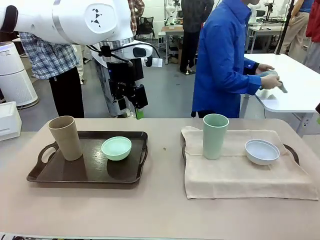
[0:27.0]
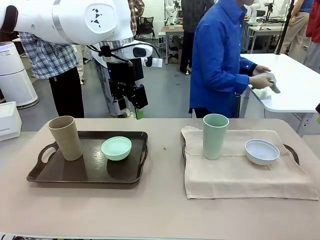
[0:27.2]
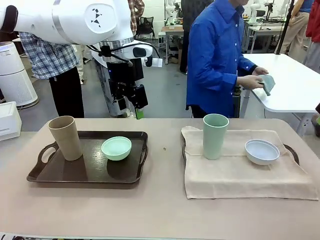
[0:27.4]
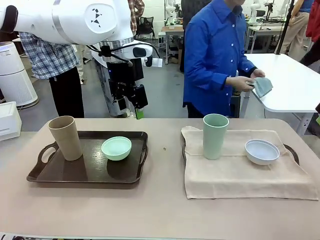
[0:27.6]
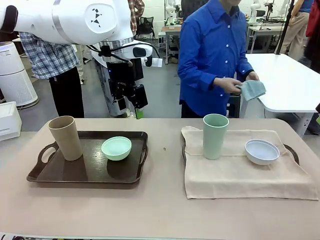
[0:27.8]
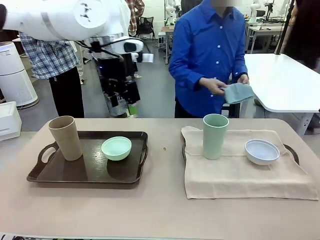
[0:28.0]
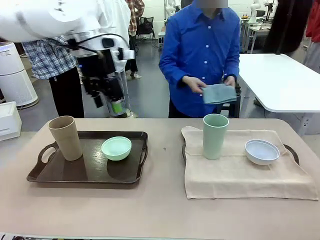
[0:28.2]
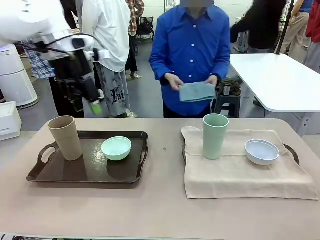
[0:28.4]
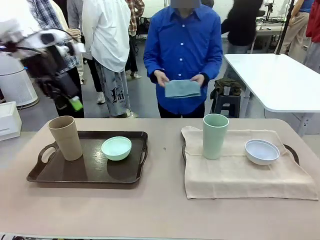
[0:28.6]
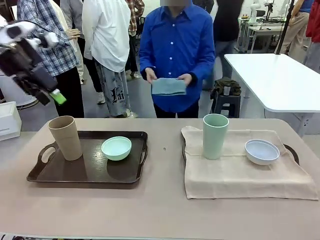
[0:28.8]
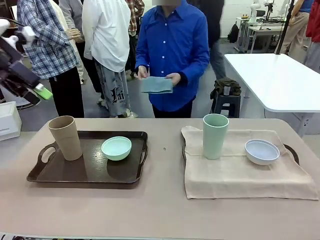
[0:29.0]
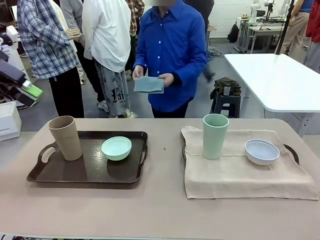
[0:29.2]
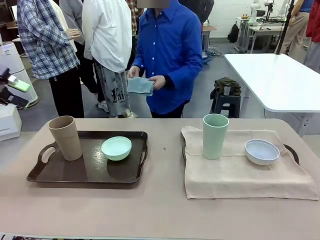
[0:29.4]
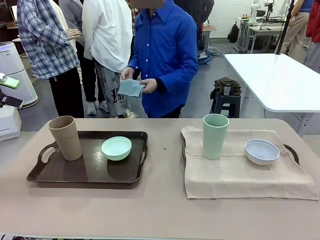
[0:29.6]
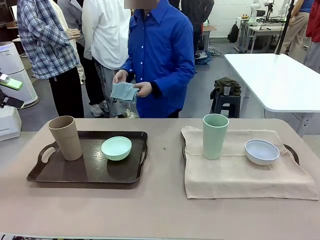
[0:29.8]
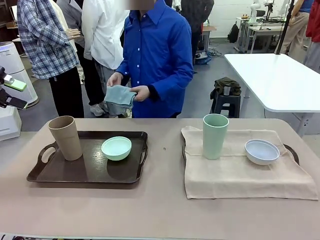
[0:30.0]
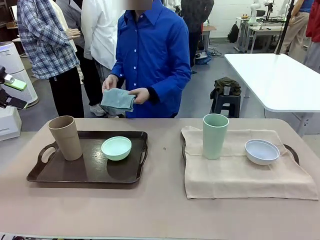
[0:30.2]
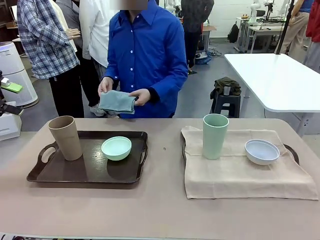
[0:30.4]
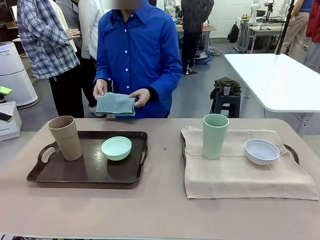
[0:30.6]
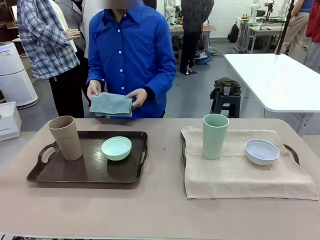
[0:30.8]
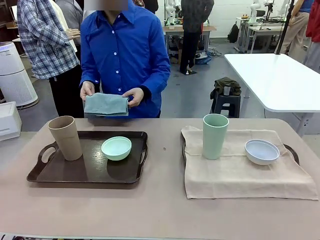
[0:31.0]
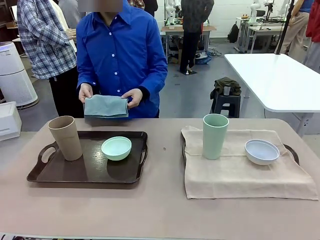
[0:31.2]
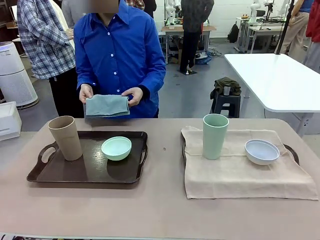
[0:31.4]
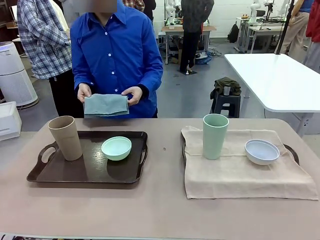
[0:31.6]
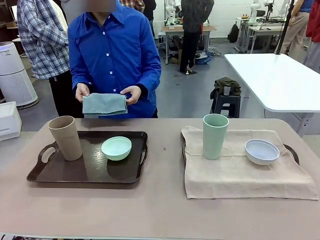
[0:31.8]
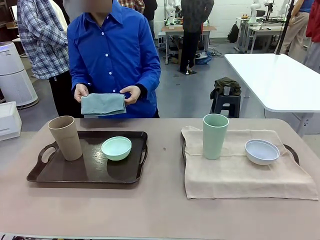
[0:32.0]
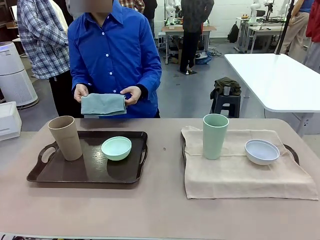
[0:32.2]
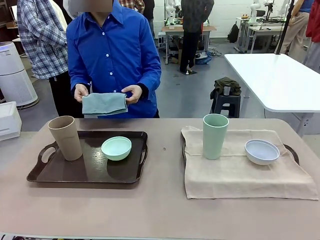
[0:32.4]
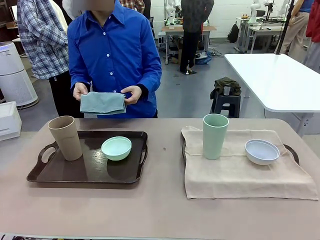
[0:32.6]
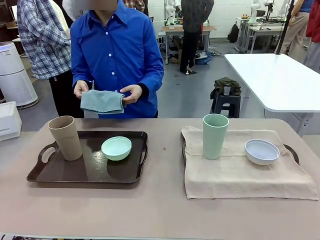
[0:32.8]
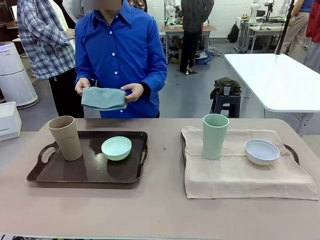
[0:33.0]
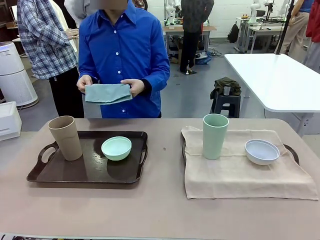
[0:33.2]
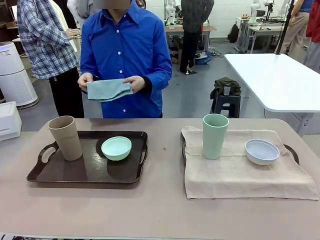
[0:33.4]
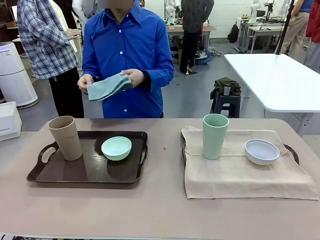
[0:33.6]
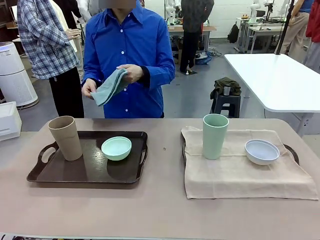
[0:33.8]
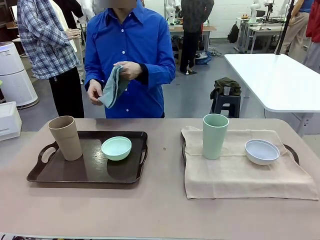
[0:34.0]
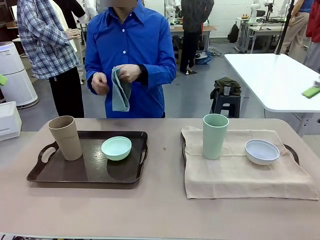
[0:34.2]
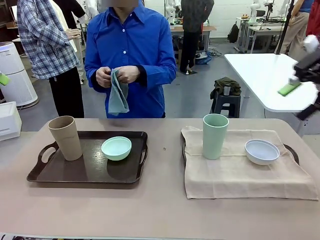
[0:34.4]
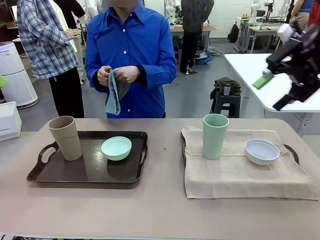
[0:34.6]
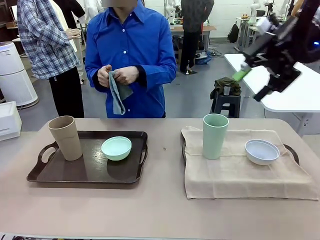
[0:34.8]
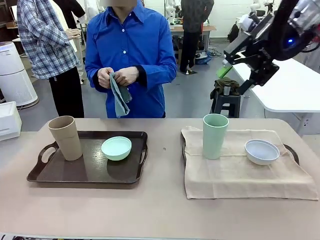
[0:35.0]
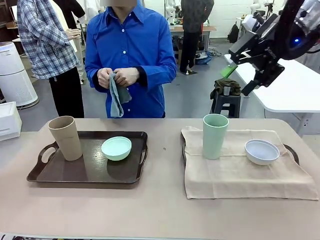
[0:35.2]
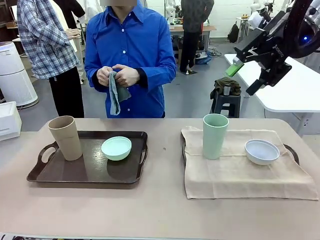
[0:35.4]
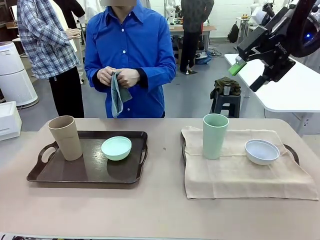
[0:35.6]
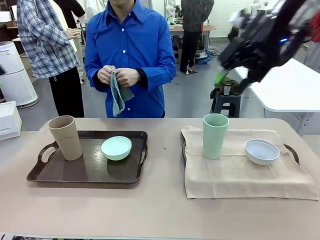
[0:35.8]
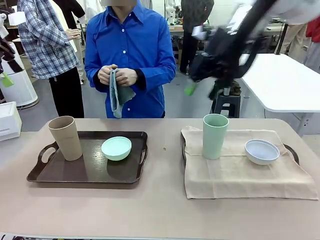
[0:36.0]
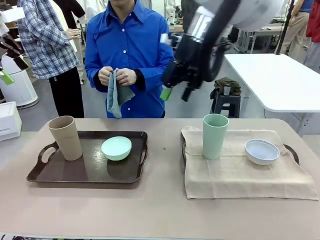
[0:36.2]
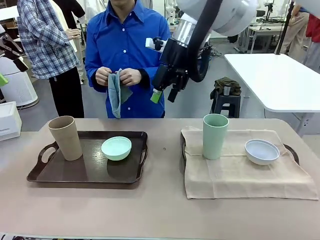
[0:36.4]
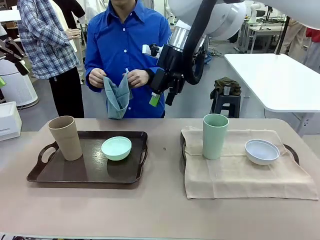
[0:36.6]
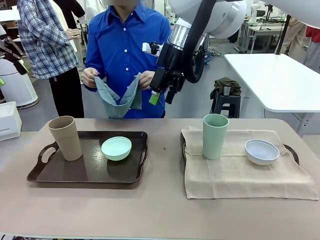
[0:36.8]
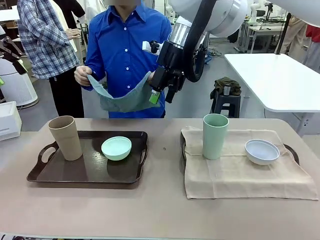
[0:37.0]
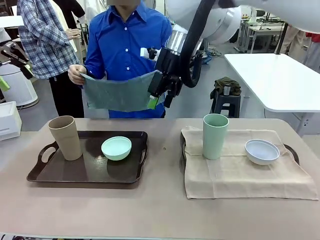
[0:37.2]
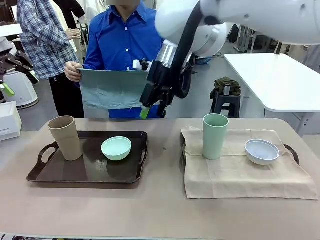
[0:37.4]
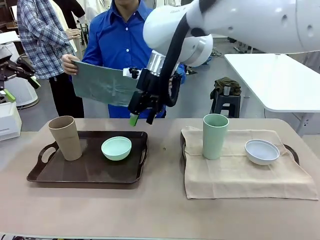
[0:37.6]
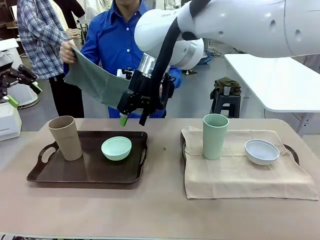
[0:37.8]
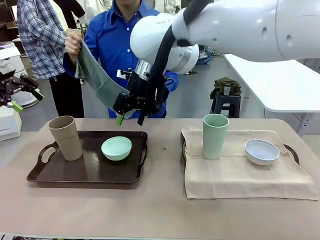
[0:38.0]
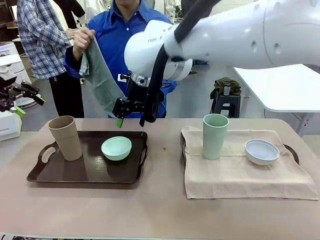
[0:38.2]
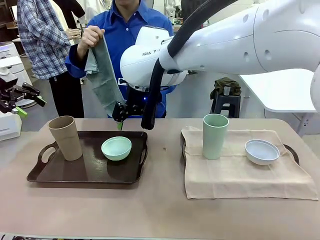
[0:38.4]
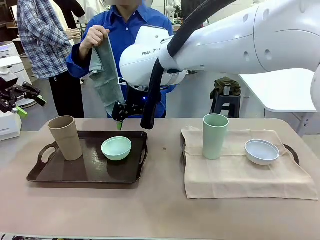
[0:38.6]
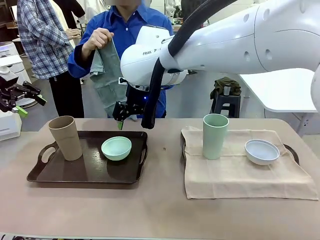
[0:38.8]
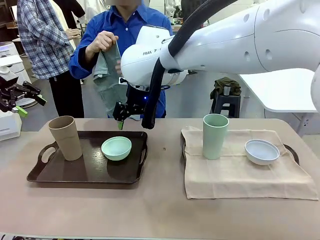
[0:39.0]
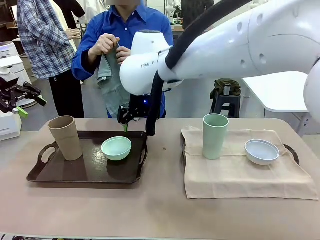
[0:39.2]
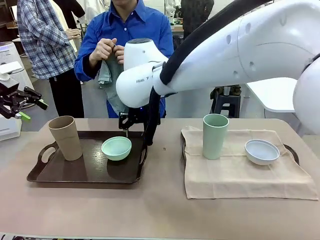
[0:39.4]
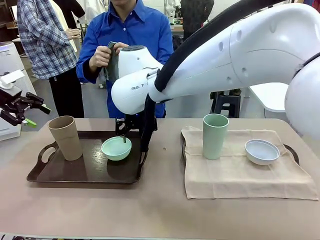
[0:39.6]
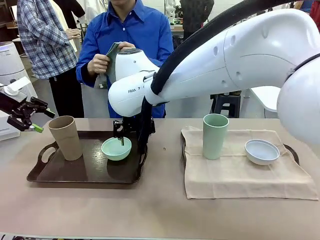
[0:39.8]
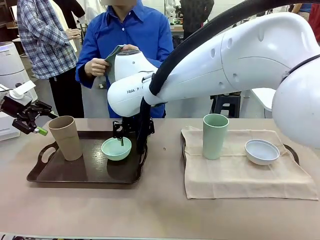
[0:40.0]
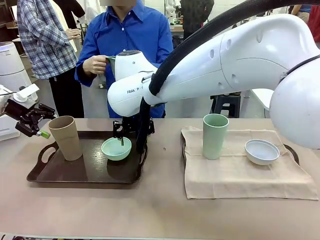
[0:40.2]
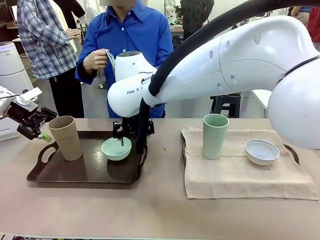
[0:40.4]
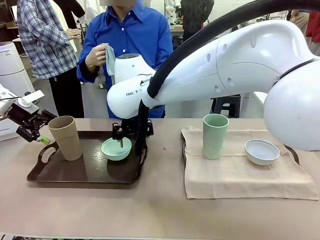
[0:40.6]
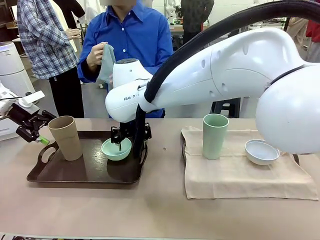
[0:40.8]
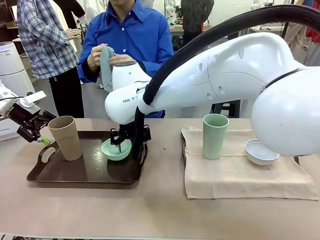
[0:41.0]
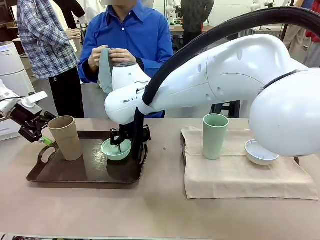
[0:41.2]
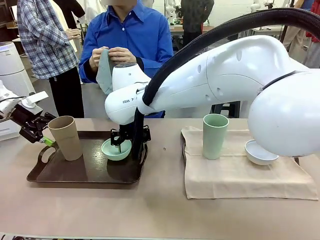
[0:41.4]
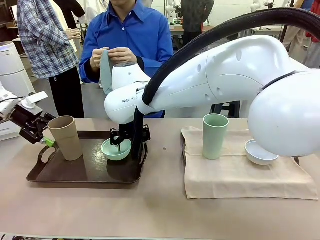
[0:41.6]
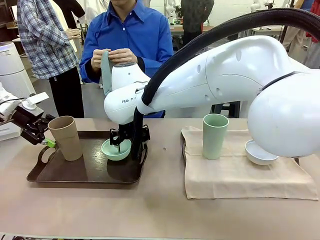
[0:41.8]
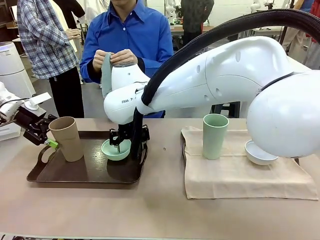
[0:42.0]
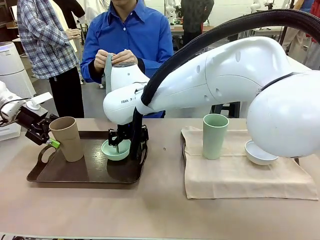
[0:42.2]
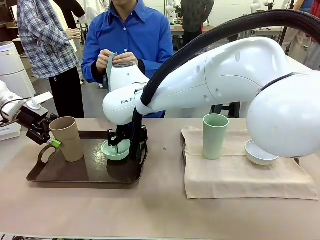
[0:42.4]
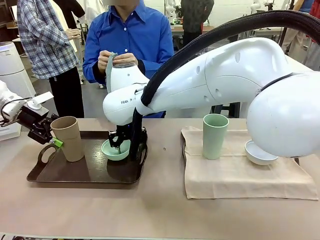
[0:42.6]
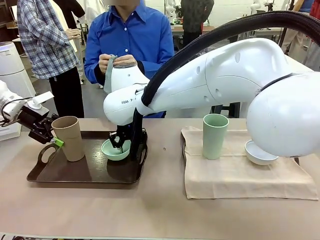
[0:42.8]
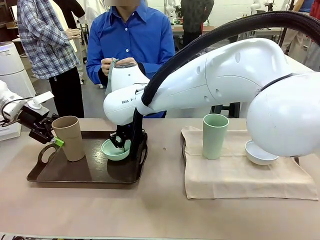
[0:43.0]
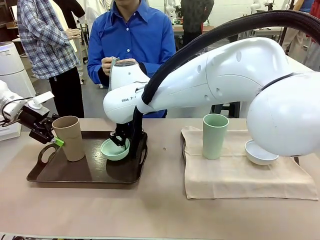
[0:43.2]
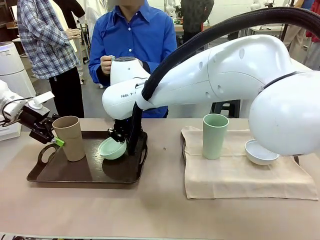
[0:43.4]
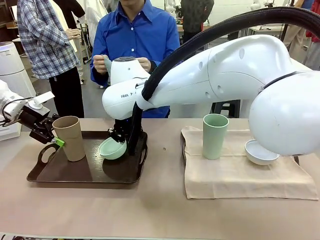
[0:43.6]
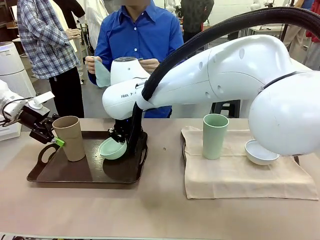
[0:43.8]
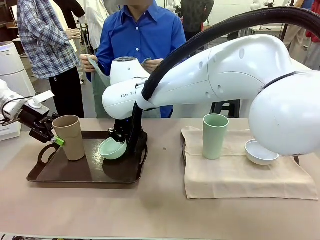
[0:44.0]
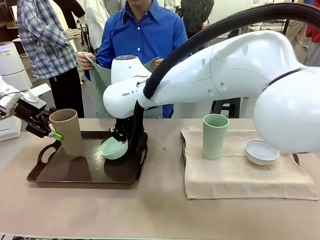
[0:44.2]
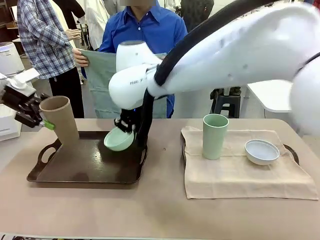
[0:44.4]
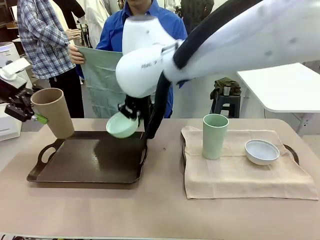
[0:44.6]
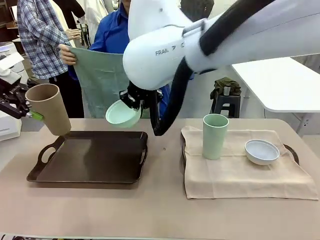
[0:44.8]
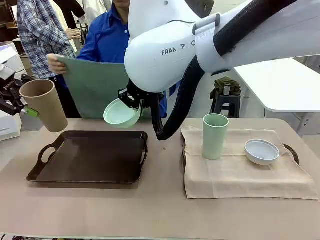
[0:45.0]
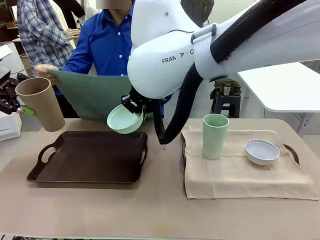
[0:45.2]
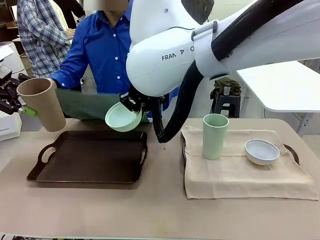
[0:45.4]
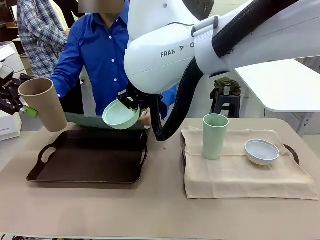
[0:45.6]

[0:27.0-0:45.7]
Robot: Pick up the Picnic Bowl and Reusable plastic cup from the Handle tray in front of the human's position and hold them in the air.
Person: The human returns to the human table to pick up another napkin and walks to the robot table to stand in front of the tray without a napkin.

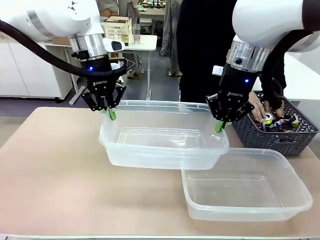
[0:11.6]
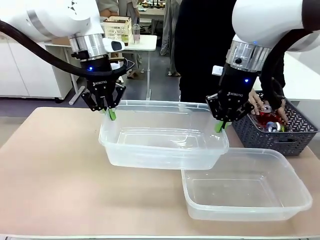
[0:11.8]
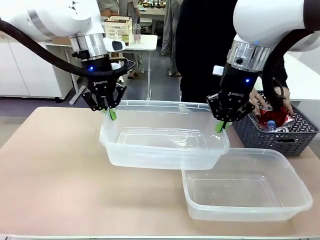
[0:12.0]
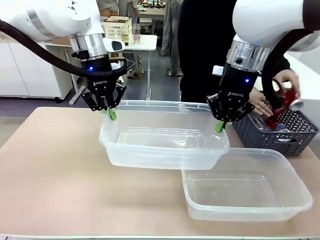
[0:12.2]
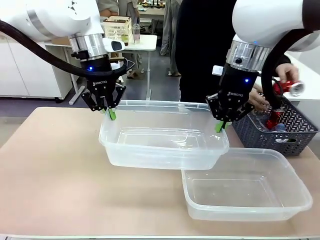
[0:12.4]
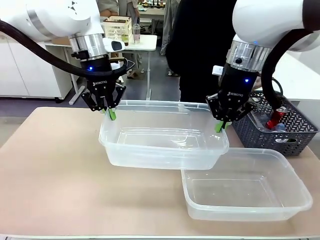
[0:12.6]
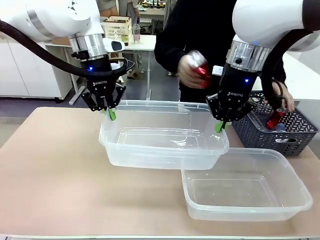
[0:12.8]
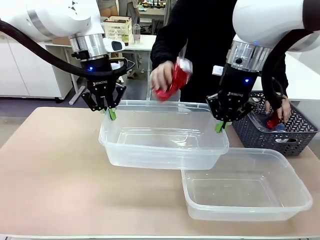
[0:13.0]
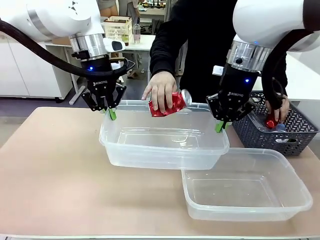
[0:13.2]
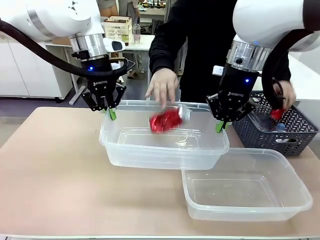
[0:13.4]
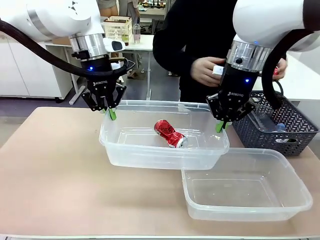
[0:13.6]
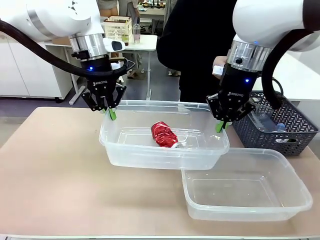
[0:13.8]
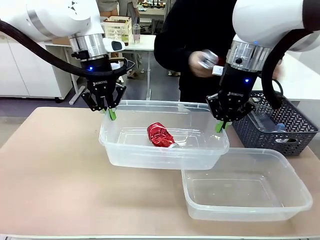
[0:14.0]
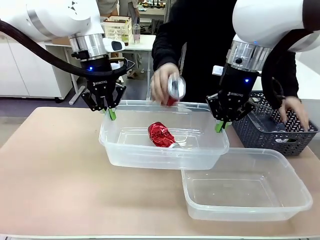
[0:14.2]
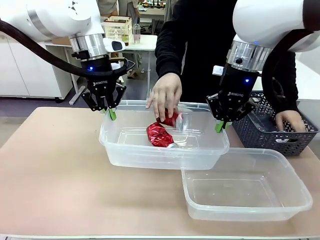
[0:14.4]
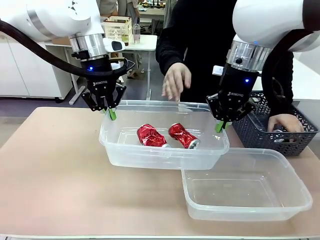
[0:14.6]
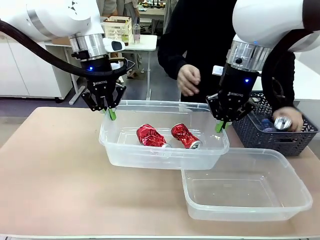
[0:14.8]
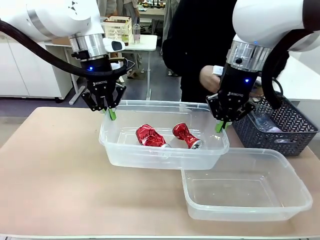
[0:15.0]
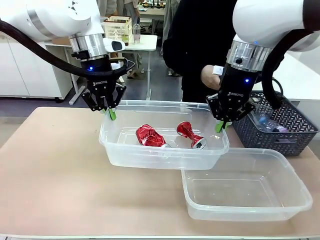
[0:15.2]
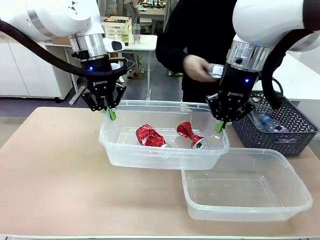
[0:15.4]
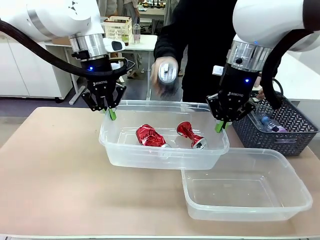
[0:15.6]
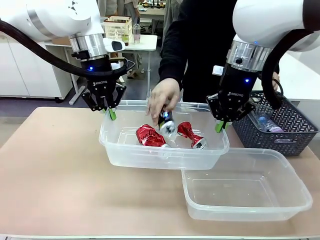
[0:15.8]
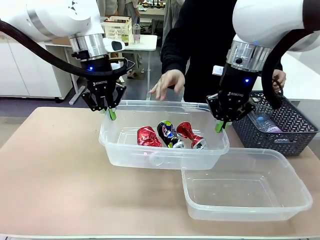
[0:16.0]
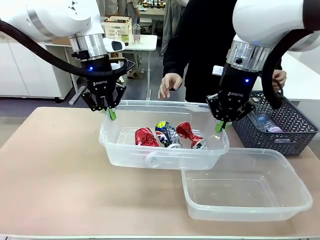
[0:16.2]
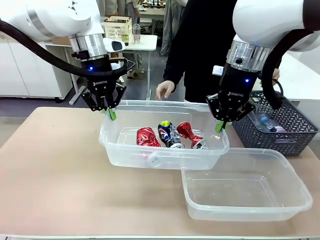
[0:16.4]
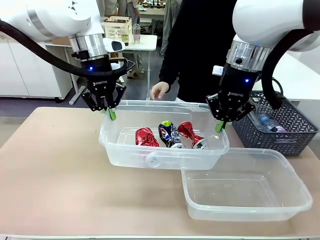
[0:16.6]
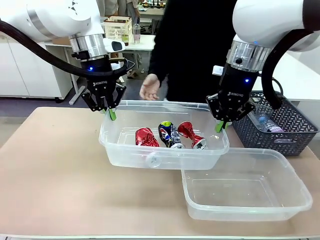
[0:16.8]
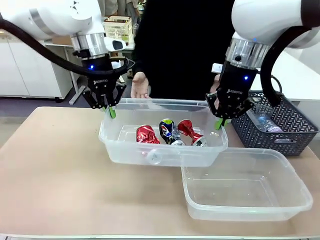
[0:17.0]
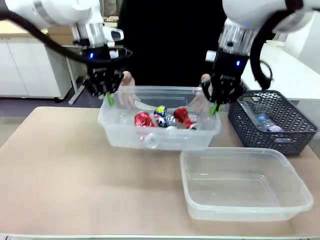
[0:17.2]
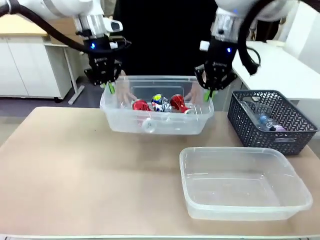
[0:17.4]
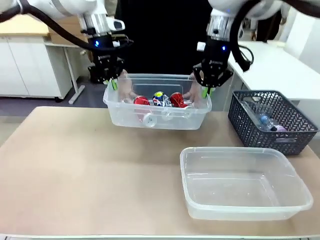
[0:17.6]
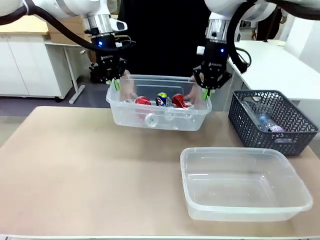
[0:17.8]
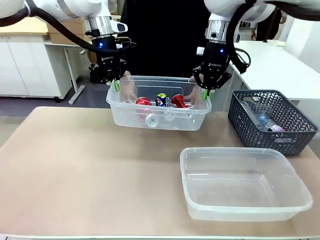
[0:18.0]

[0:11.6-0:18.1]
Robot: Offer the picked Organizing box to the human.
